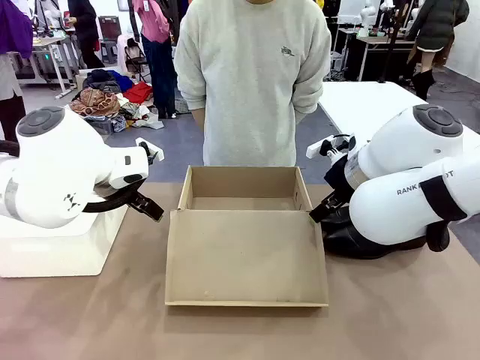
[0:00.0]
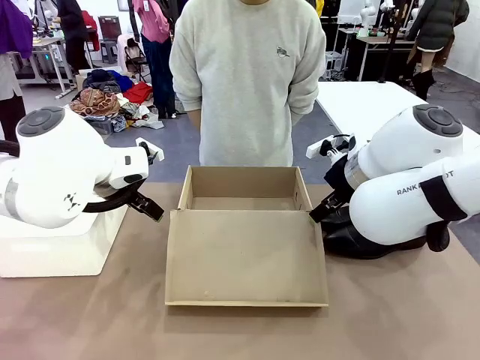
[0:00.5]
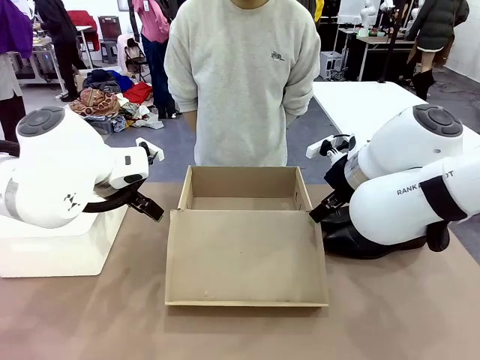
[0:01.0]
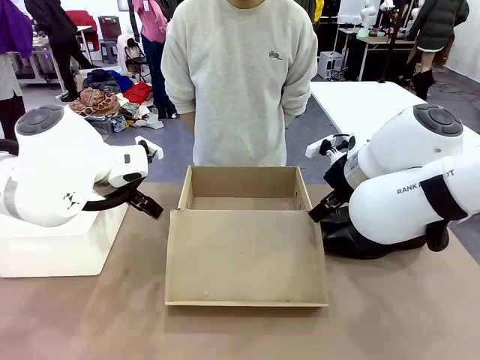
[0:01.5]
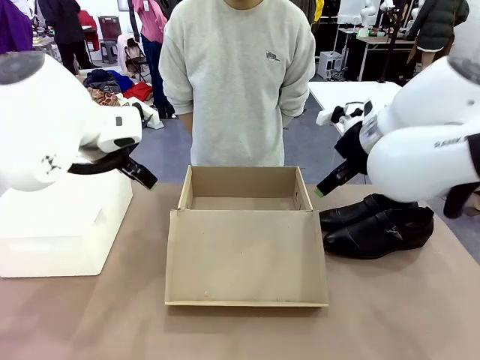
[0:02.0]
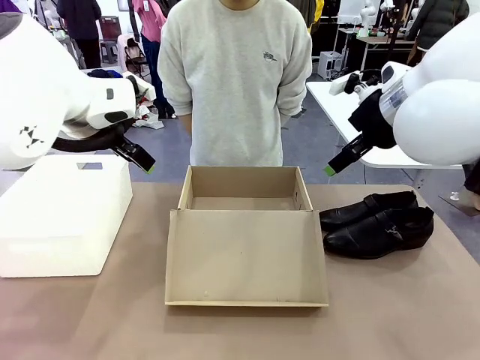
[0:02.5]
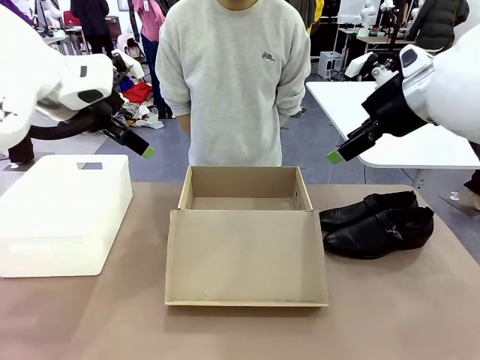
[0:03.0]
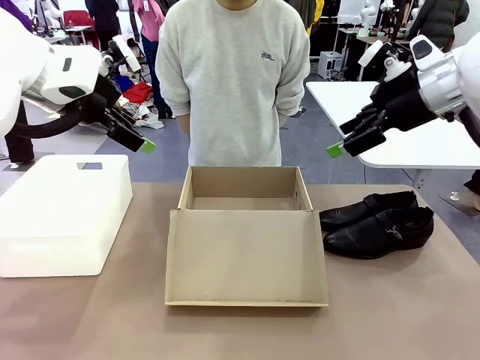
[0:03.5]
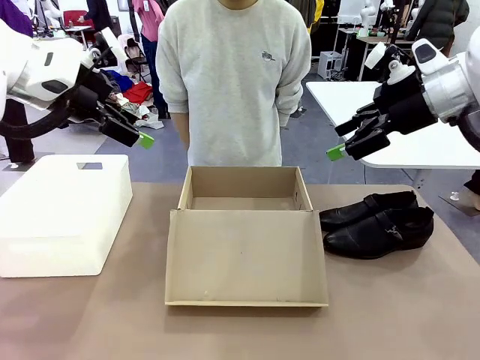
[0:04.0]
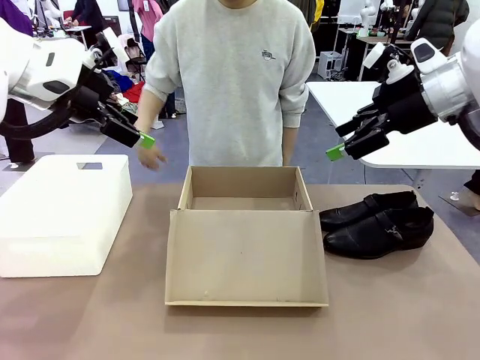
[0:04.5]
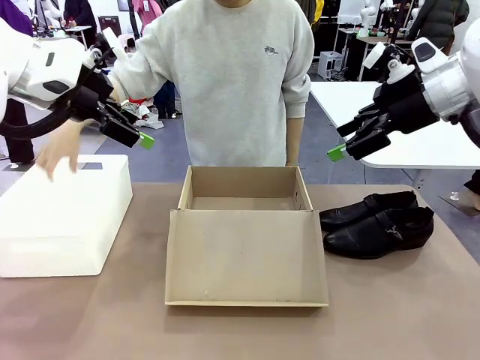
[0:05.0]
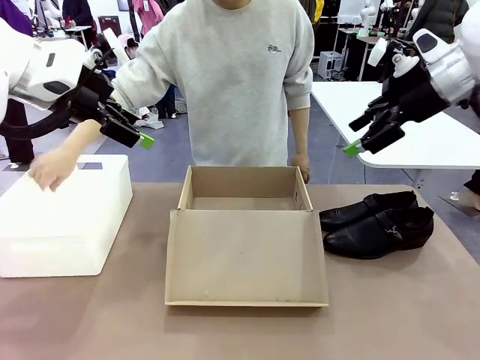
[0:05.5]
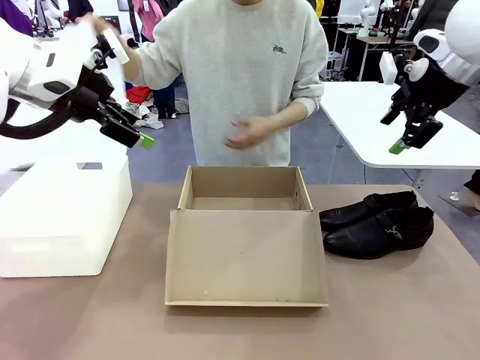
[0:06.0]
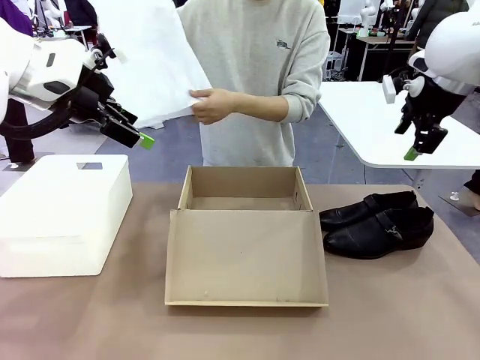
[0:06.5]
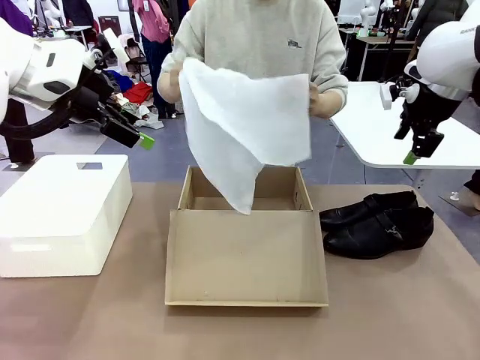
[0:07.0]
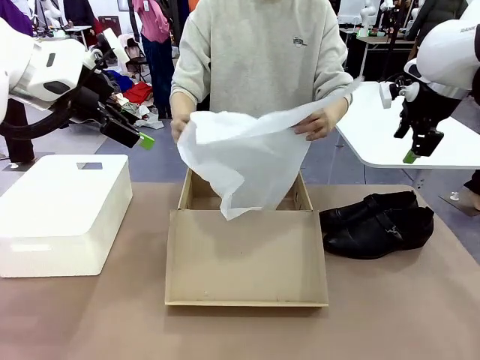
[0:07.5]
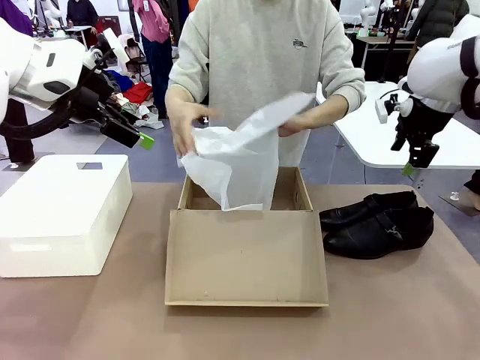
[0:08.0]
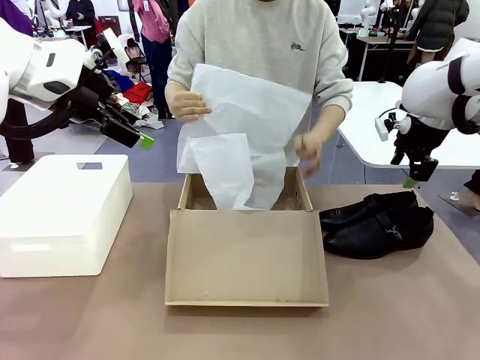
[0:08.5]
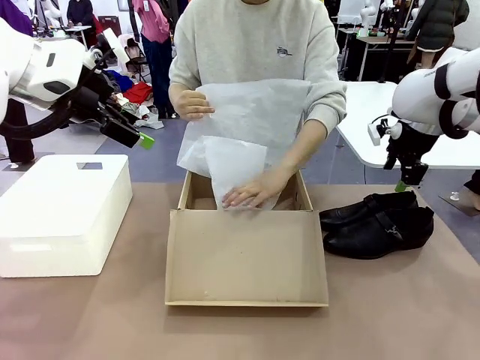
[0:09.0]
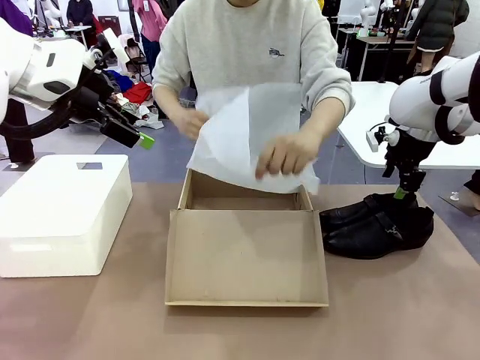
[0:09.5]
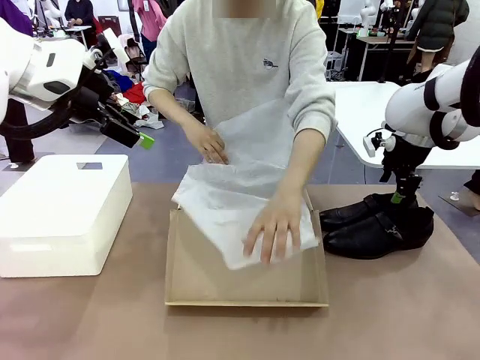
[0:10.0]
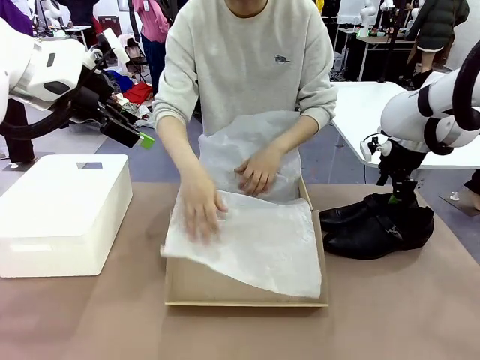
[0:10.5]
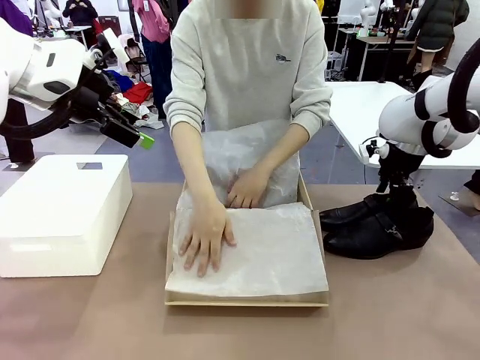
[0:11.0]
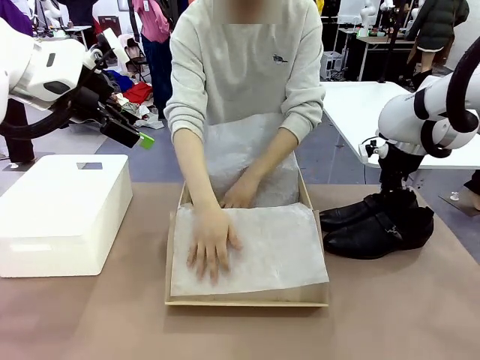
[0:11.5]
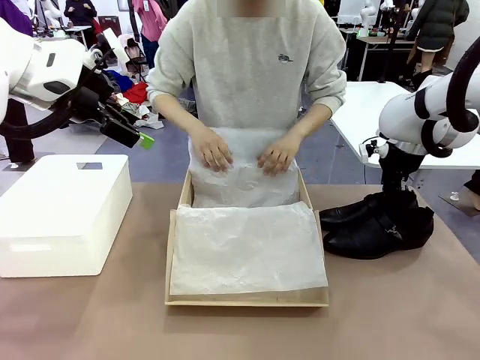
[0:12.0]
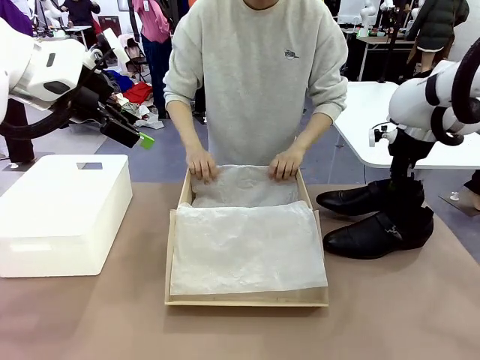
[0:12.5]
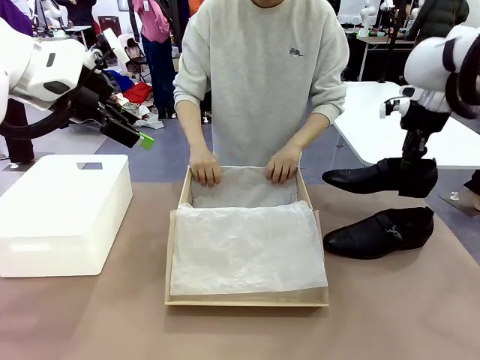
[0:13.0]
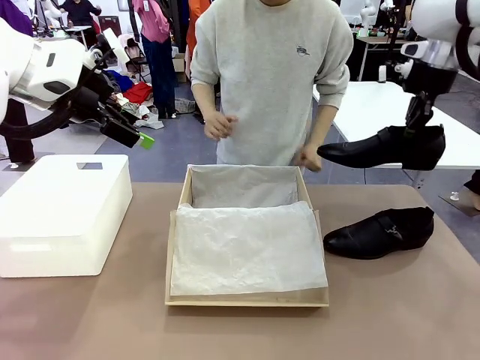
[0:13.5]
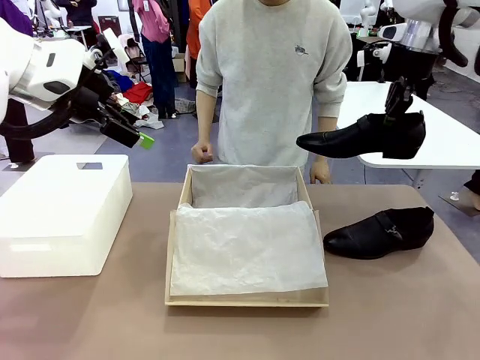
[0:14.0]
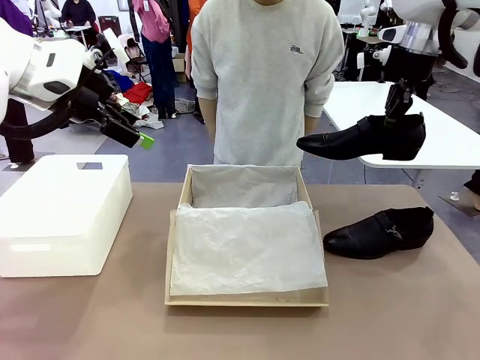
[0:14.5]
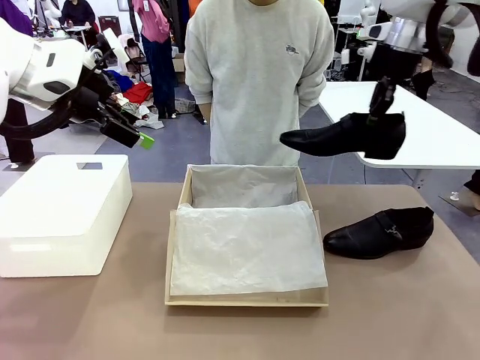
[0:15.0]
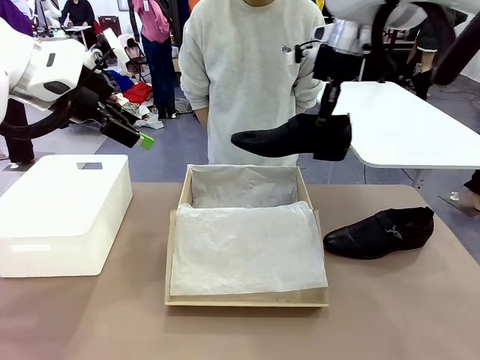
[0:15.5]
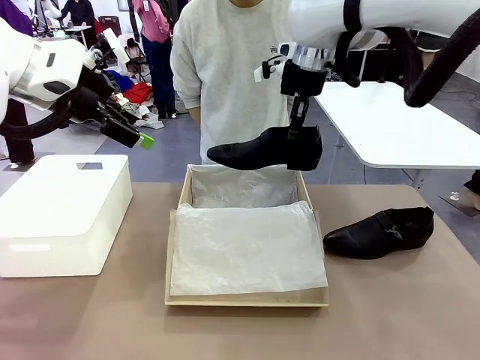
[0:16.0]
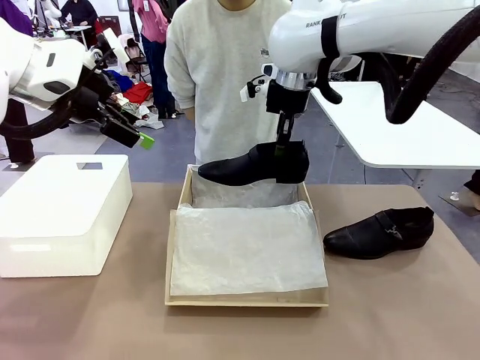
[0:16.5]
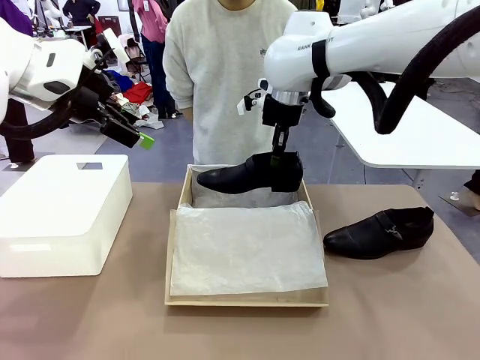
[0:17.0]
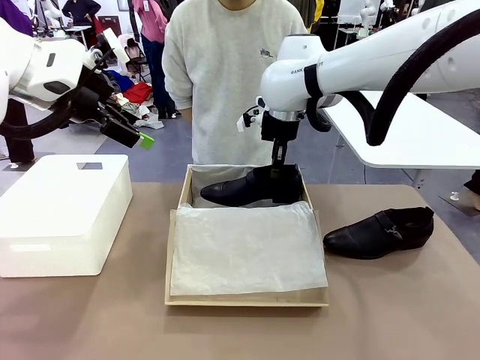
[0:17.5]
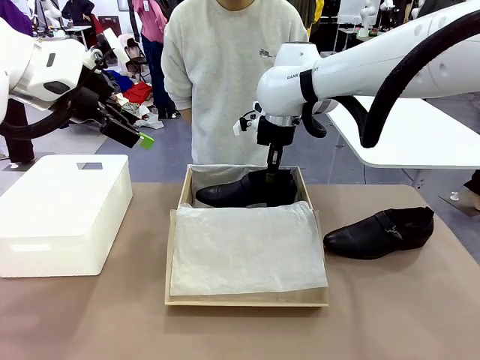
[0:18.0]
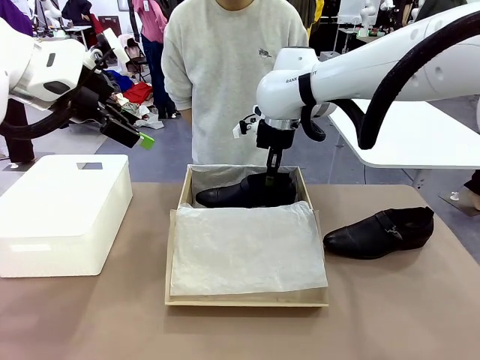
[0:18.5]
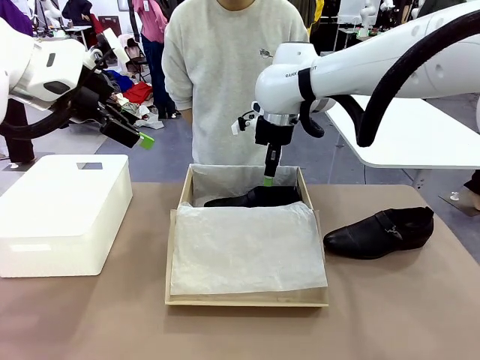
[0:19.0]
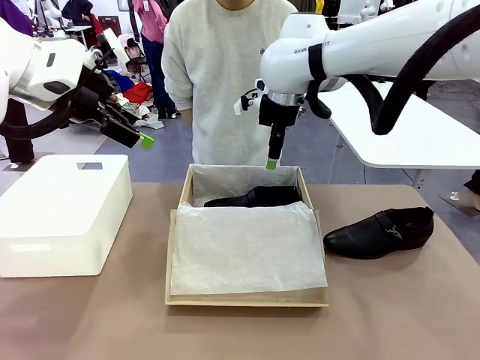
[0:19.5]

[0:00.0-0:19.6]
Task: Pack the shoes into the box.
Robot: Place one shoe of the Shoes into the Shoes Box.
Person: Spread Shoes Wrapping Paper and place inside the Shoes Box.
